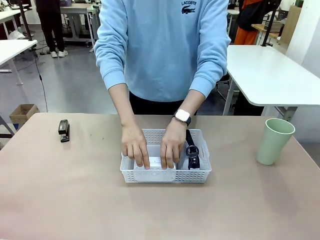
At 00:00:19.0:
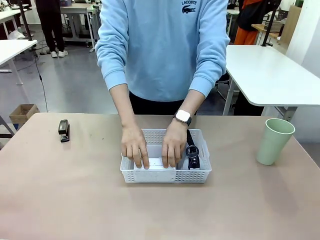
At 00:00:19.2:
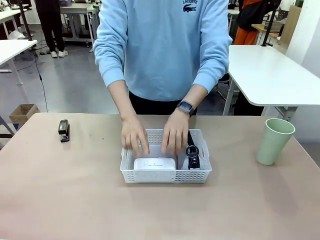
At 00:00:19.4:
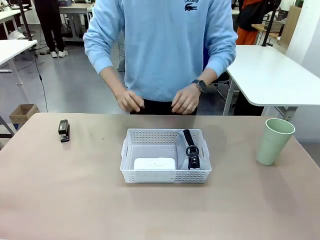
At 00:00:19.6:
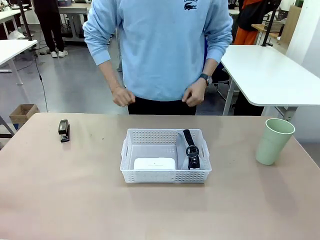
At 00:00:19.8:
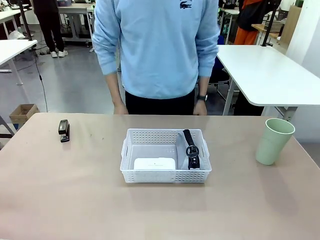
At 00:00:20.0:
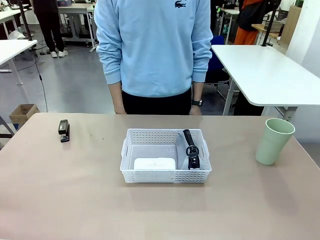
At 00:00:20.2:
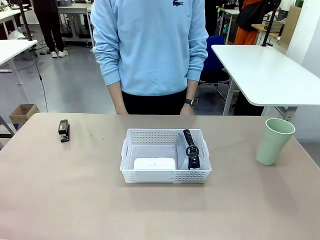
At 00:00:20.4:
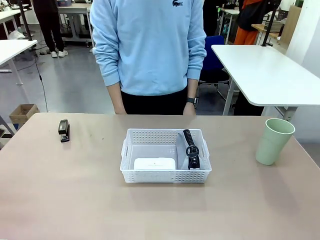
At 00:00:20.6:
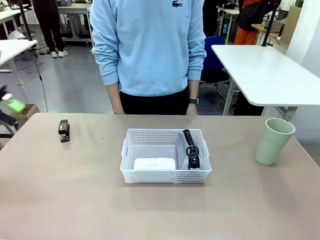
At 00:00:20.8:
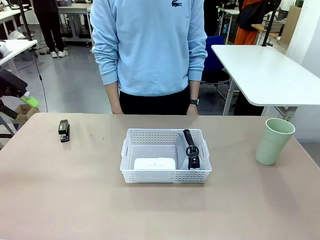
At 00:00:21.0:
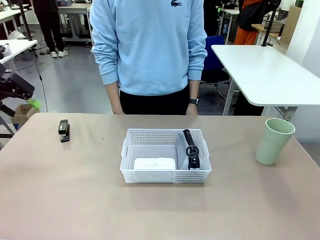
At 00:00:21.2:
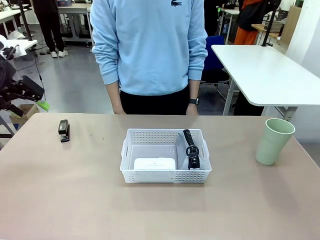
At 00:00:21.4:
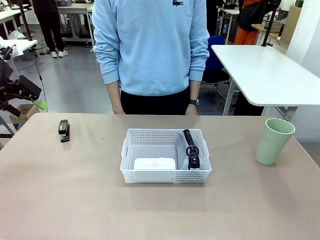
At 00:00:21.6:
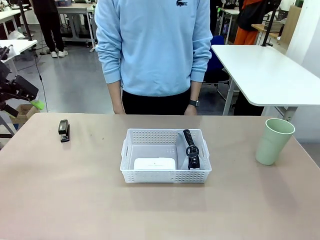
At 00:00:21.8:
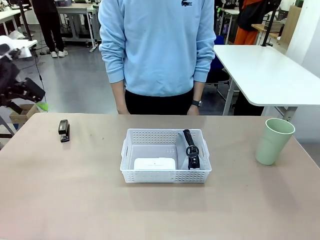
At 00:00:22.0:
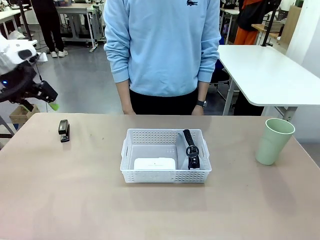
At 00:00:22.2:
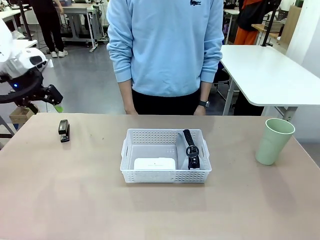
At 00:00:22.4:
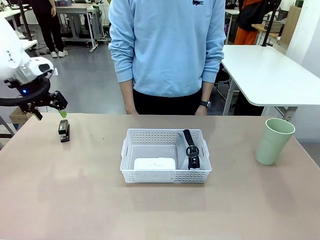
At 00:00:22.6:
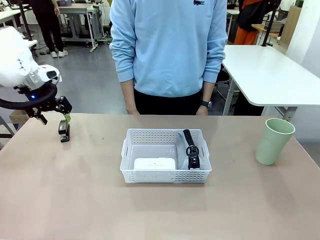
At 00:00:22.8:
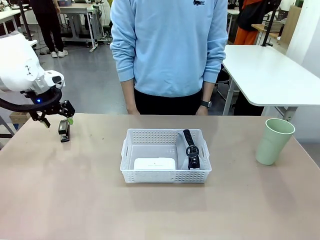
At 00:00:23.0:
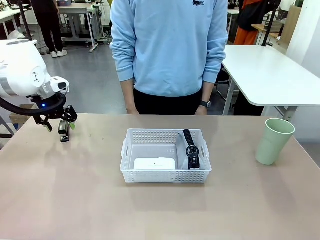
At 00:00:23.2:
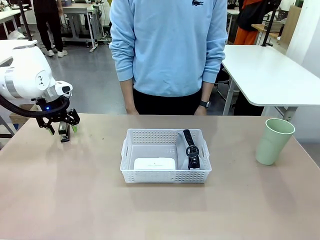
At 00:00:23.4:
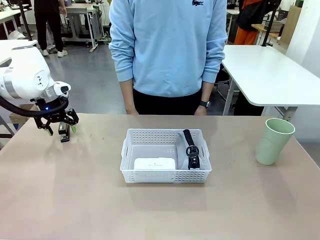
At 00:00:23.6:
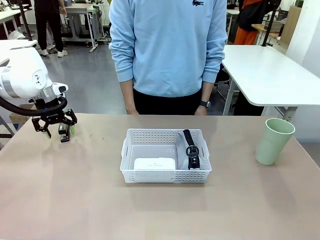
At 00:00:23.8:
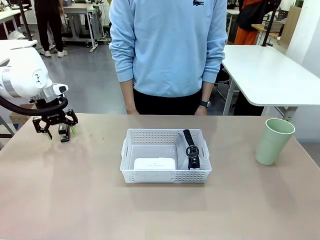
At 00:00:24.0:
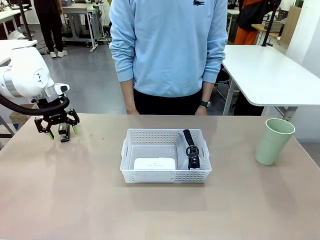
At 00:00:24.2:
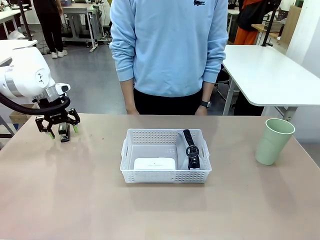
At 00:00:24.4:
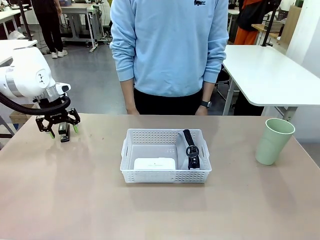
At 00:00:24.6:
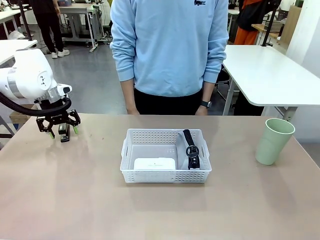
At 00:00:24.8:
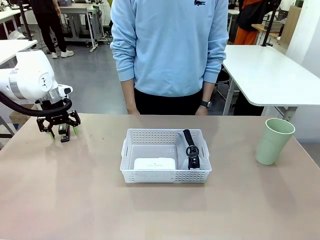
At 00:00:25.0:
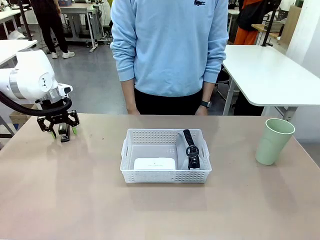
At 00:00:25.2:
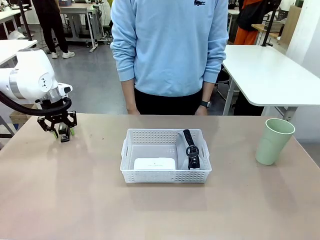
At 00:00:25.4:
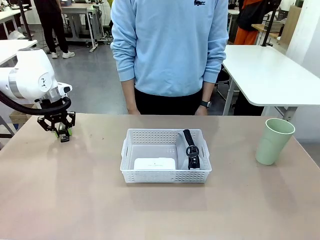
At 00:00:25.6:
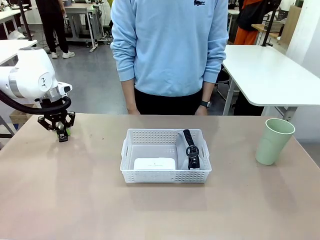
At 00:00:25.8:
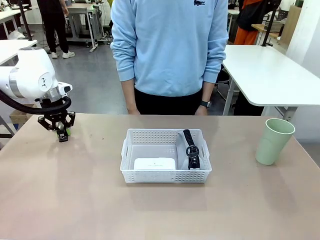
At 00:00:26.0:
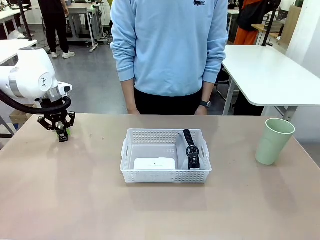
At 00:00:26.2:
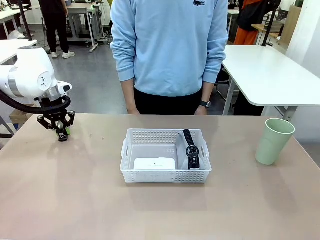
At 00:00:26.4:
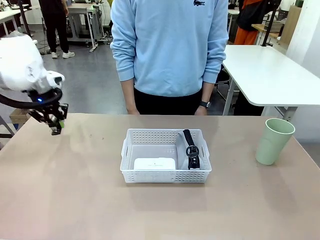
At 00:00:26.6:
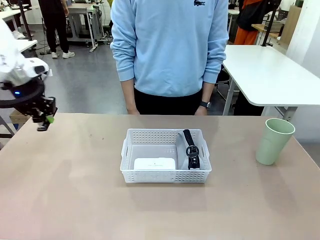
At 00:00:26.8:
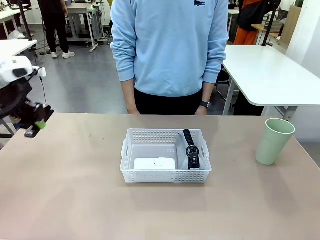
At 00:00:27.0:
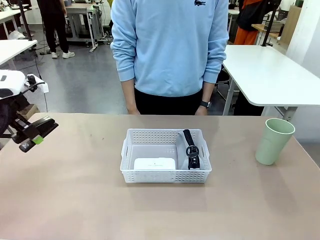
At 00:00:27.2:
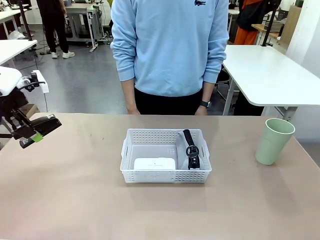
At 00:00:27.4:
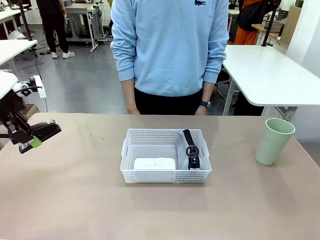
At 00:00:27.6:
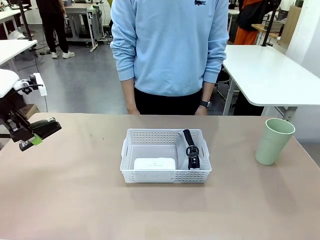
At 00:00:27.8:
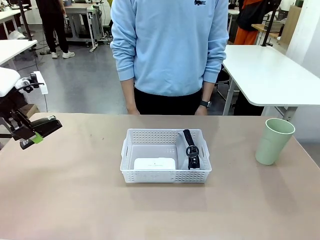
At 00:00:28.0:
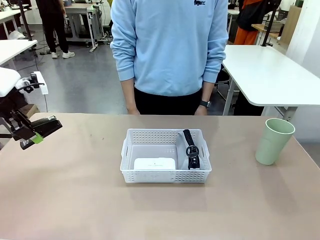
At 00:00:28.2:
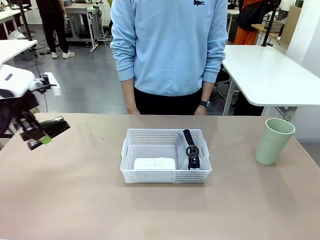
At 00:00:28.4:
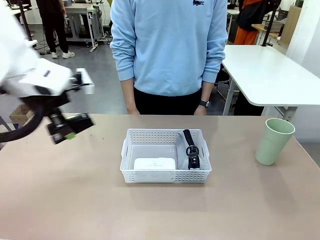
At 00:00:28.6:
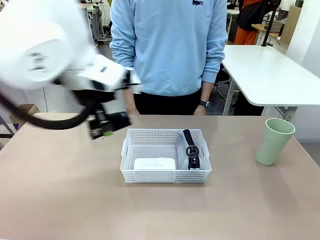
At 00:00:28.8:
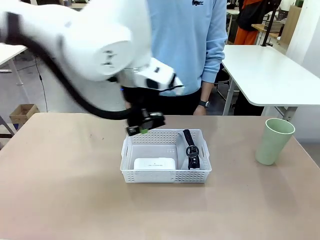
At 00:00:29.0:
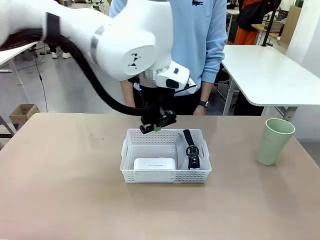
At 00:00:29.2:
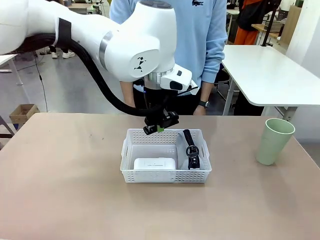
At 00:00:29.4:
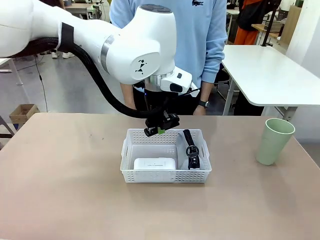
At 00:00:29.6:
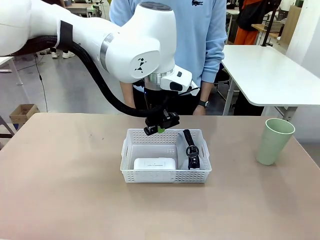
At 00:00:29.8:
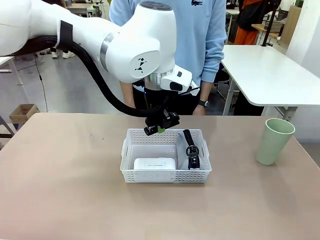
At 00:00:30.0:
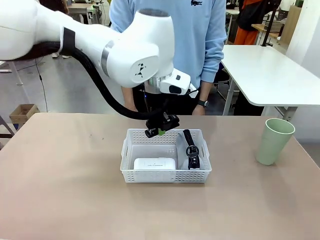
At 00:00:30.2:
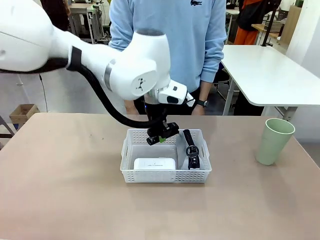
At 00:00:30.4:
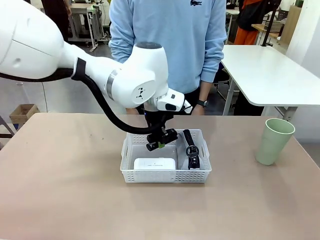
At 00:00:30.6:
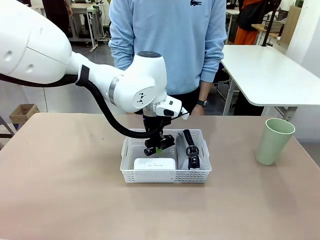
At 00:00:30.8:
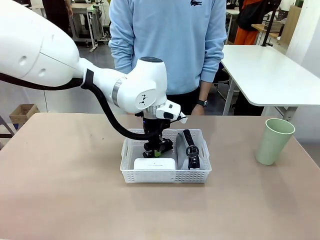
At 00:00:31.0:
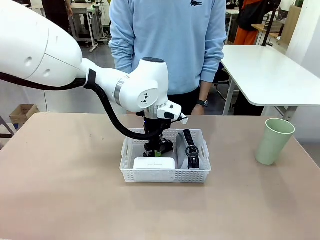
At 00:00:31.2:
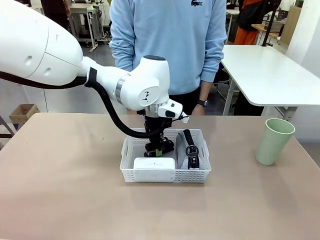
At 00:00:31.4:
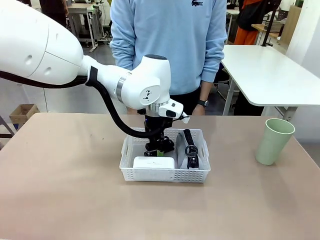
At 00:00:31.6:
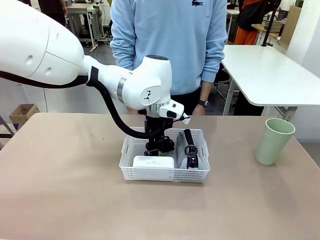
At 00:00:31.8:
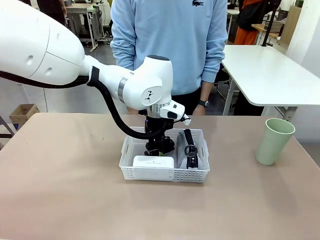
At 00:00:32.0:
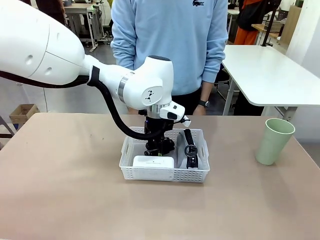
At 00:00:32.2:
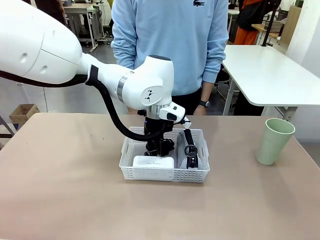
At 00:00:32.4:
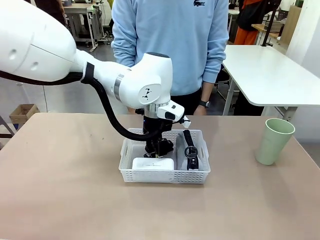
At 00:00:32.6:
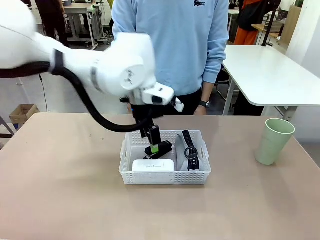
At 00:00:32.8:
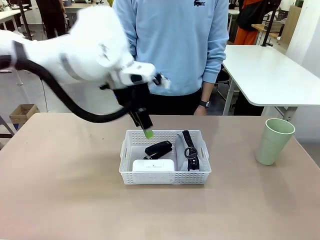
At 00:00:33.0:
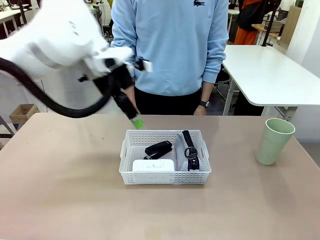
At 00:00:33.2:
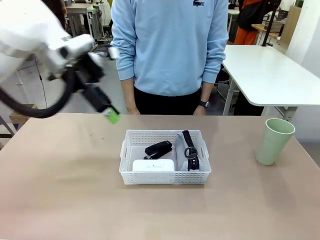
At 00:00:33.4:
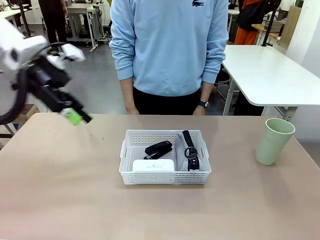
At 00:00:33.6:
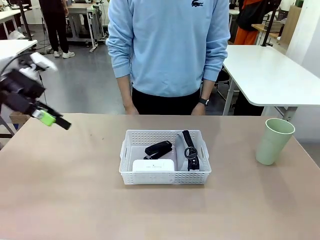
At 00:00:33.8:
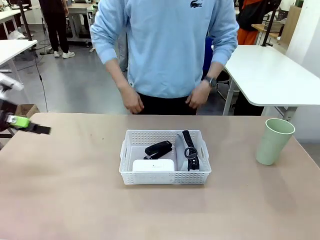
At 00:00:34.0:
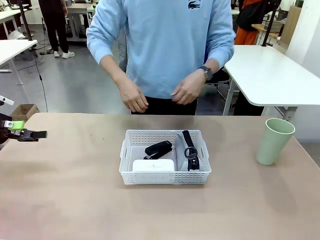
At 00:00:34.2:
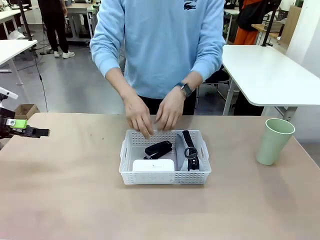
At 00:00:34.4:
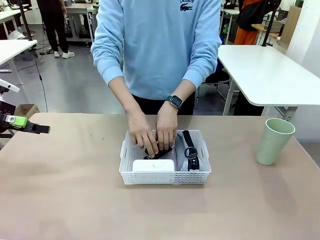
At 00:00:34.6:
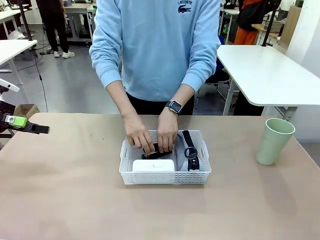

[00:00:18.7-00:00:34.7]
Task: Efficiently arrange items inside the basket to fit them all.
Robot: Pick up the Stapler and place it inside the Organizing basket.

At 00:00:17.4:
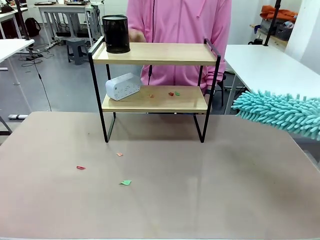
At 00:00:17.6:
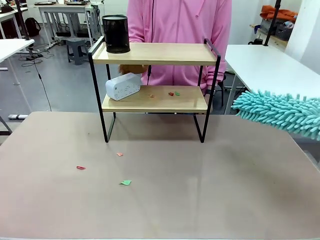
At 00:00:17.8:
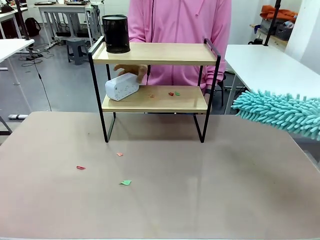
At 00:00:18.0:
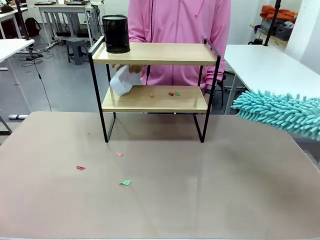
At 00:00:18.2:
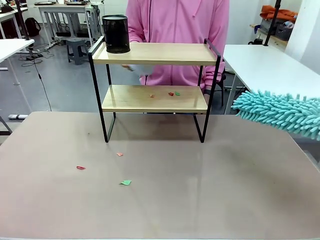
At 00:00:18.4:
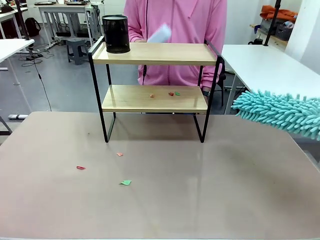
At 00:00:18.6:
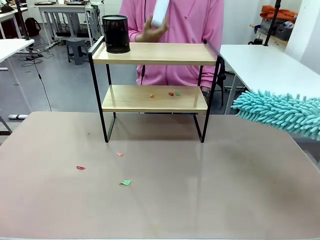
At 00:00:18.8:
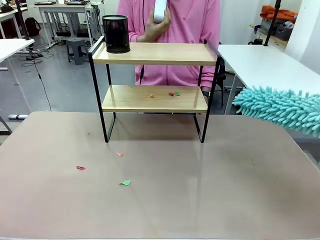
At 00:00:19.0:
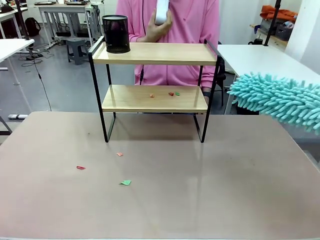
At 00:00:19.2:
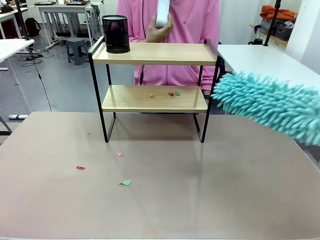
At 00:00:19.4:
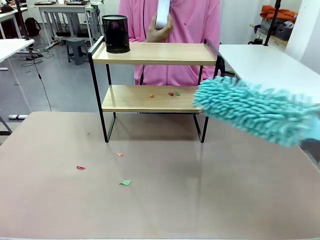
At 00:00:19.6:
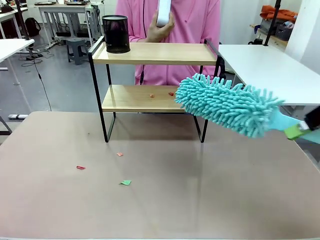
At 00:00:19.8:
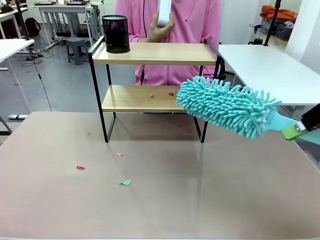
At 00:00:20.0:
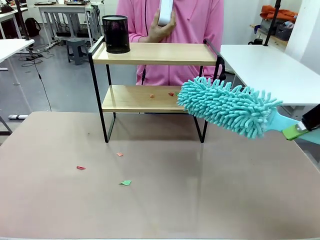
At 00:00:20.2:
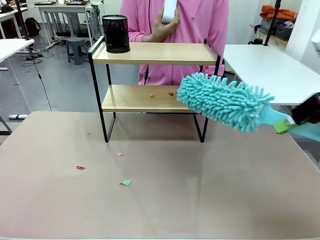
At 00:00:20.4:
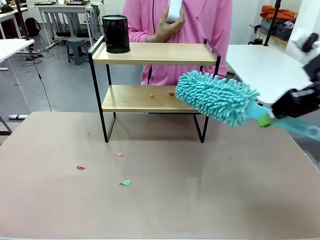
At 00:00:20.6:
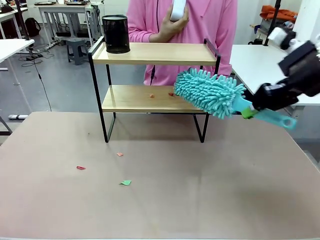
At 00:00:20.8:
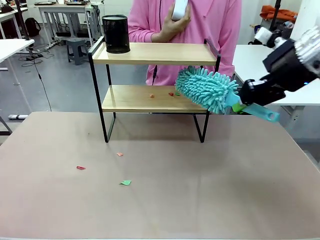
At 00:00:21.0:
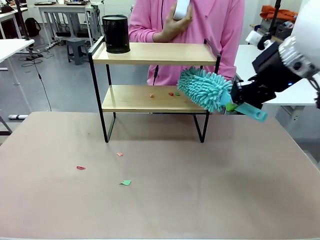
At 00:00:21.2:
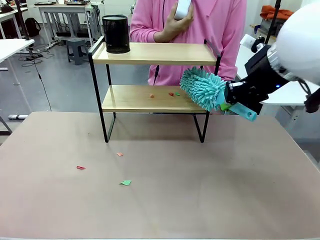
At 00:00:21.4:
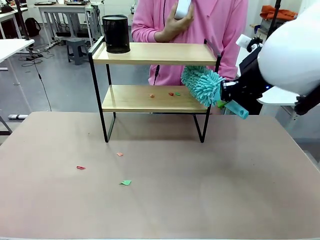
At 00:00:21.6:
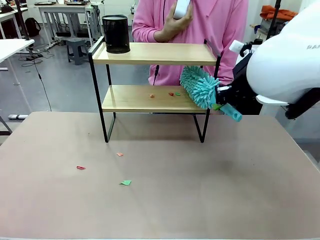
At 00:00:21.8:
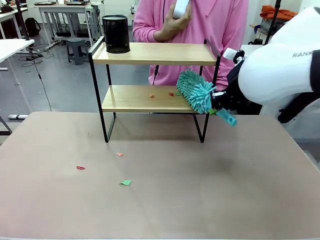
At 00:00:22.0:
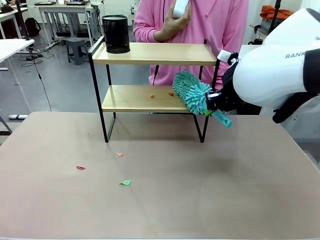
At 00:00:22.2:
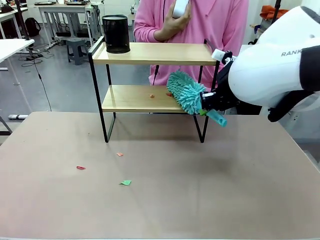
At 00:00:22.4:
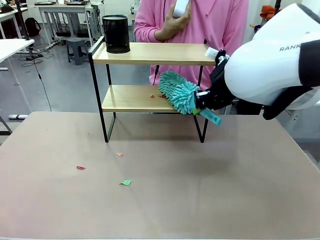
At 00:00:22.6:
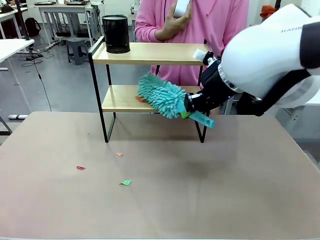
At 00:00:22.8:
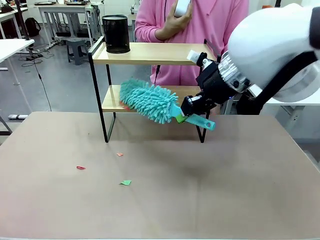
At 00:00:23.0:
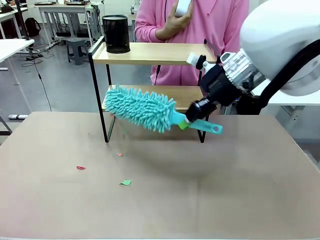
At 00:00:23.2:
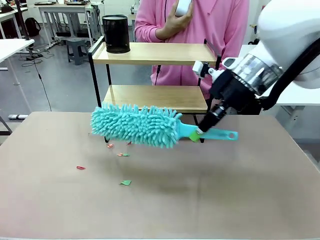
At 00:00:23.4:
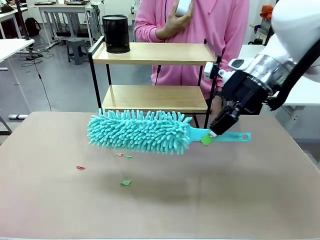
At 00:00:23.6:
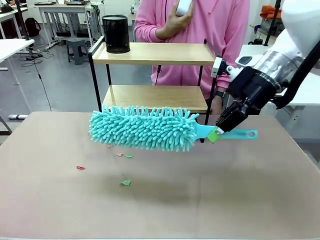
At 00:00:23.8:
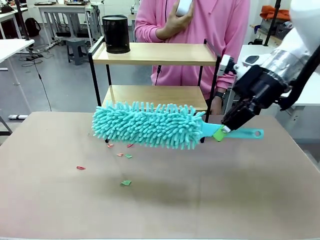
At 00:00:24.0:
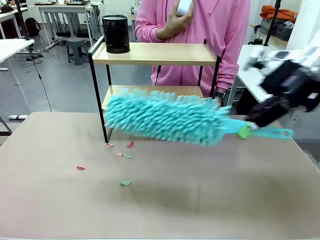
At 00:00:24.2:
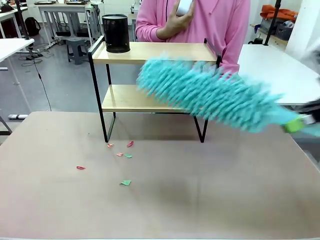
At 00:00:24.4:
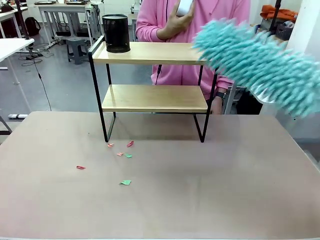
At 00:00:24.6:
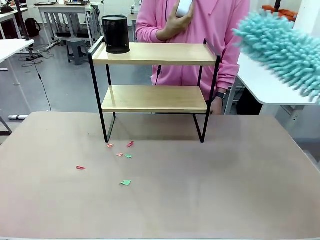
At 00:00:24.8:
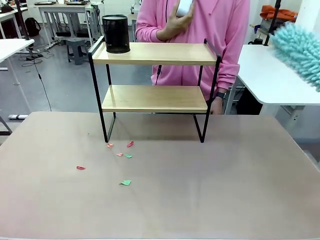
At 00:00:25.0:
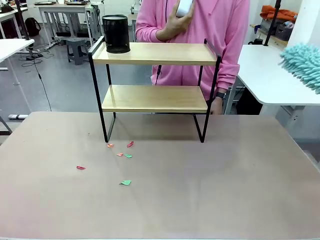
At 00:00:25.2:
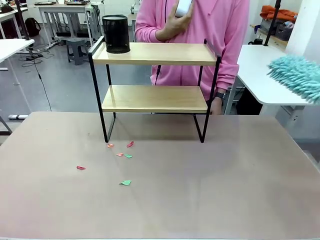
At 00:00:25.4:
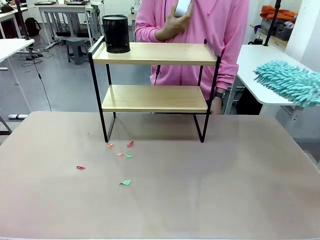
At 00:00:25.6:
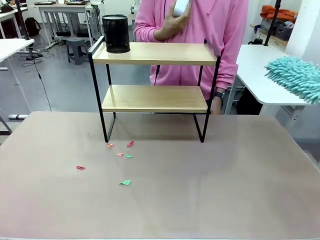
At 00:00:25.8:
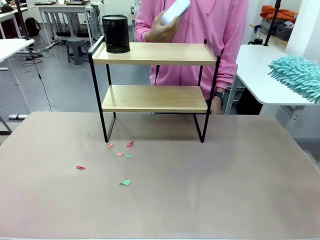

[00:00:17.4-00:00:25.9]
Task: Clean the shelf.
Robot: Clean the remaining tier of the Shelf with the Duster once objects are removed.
